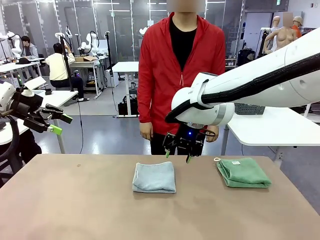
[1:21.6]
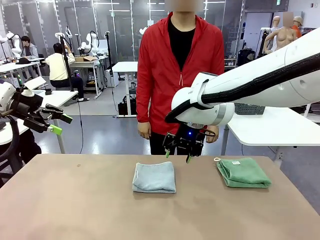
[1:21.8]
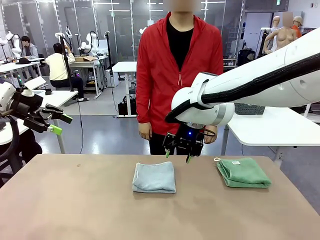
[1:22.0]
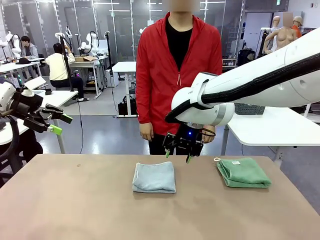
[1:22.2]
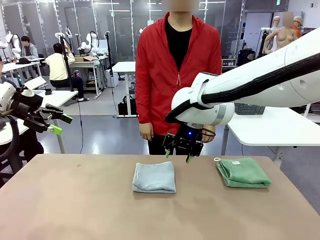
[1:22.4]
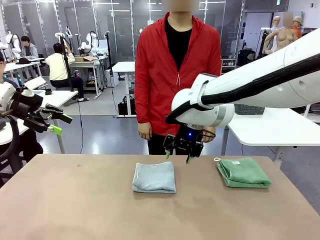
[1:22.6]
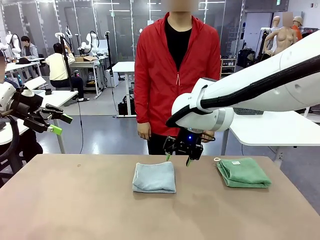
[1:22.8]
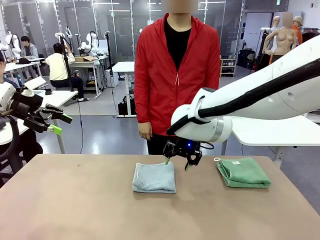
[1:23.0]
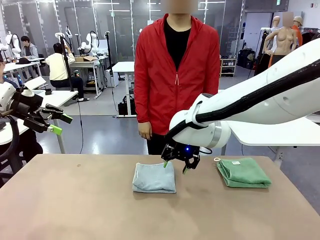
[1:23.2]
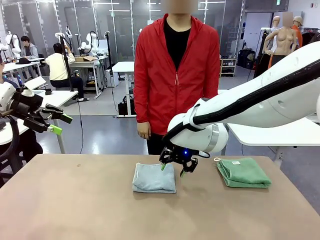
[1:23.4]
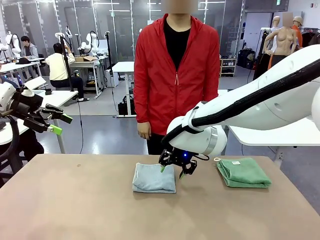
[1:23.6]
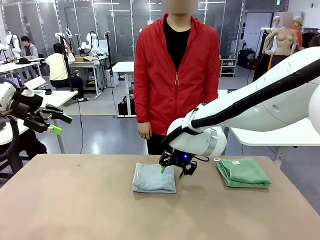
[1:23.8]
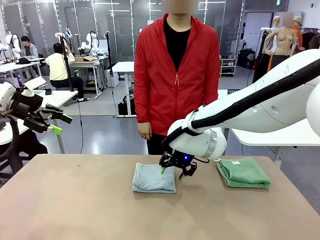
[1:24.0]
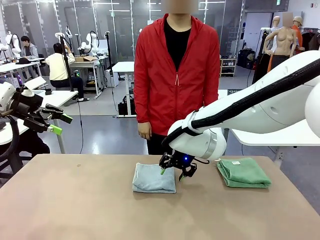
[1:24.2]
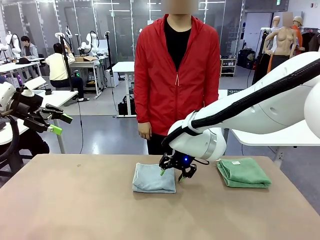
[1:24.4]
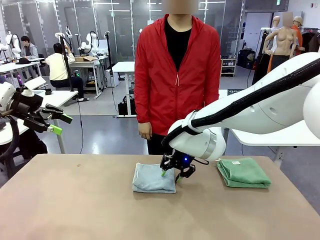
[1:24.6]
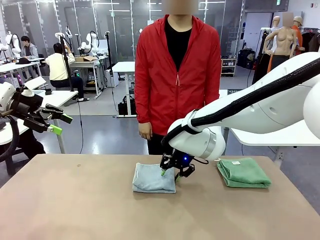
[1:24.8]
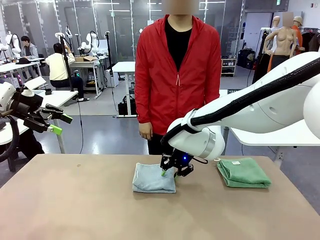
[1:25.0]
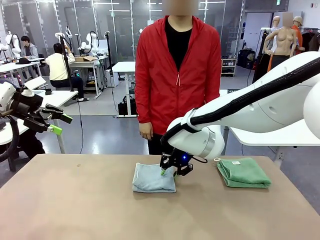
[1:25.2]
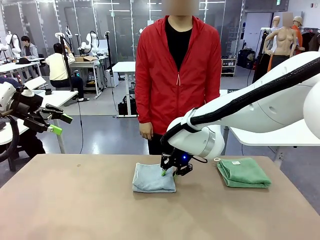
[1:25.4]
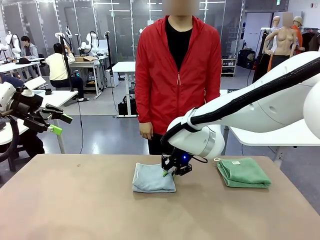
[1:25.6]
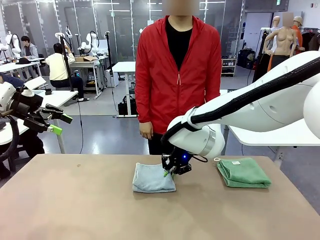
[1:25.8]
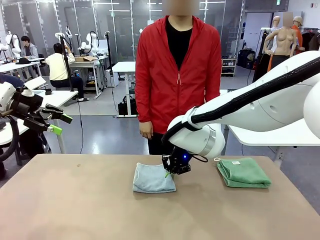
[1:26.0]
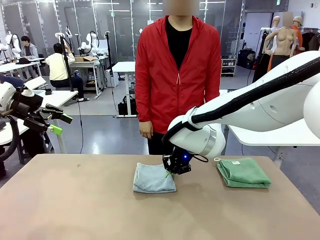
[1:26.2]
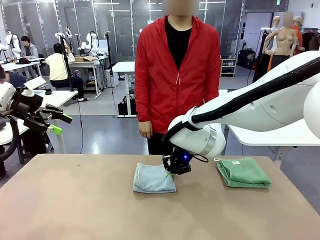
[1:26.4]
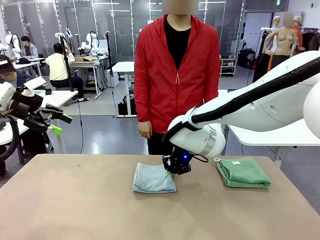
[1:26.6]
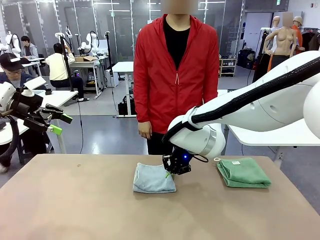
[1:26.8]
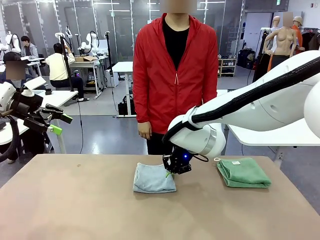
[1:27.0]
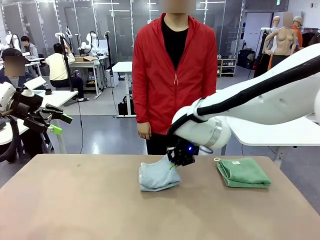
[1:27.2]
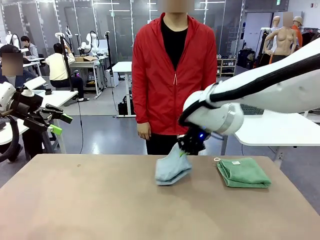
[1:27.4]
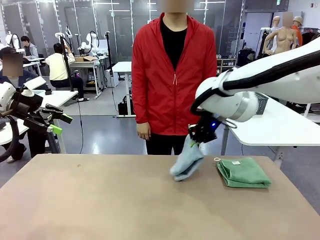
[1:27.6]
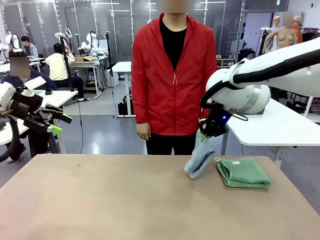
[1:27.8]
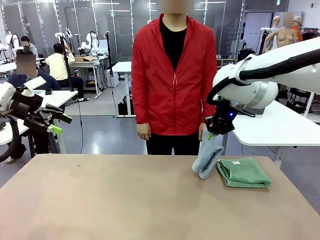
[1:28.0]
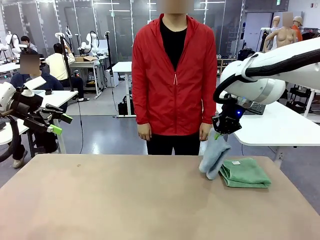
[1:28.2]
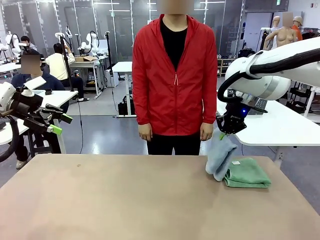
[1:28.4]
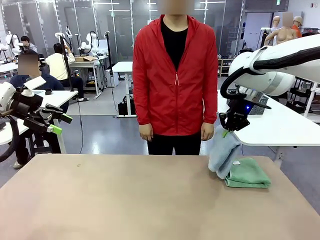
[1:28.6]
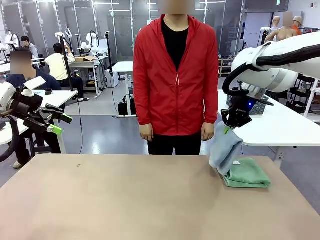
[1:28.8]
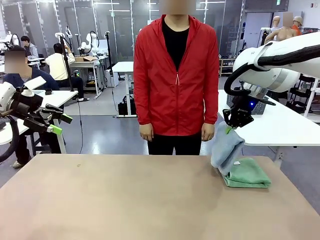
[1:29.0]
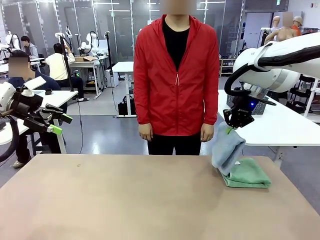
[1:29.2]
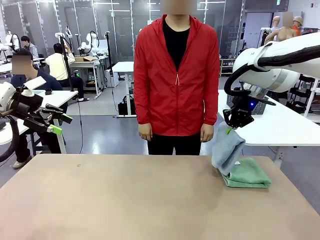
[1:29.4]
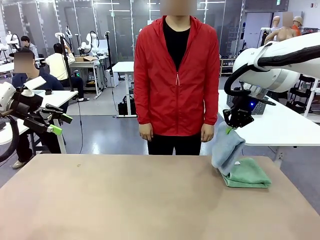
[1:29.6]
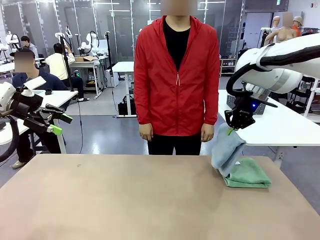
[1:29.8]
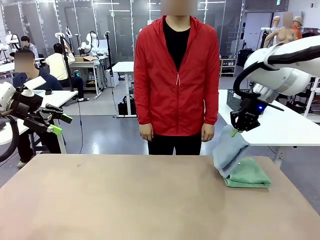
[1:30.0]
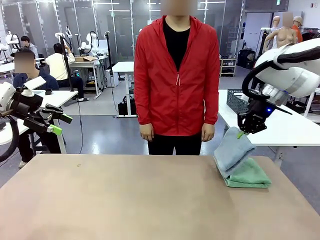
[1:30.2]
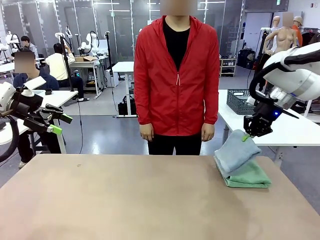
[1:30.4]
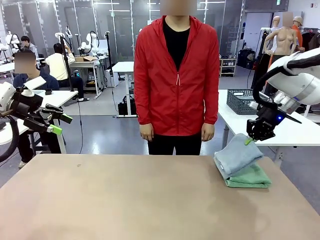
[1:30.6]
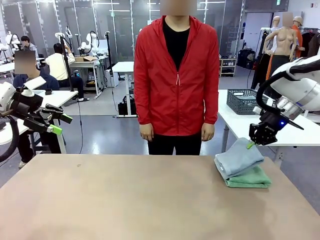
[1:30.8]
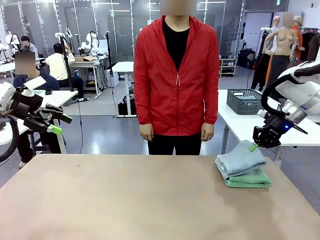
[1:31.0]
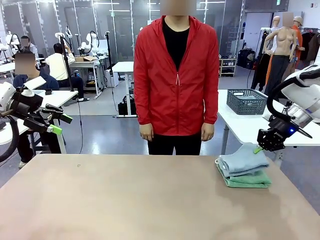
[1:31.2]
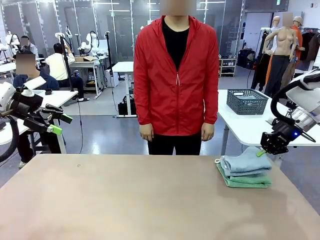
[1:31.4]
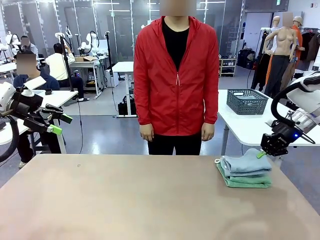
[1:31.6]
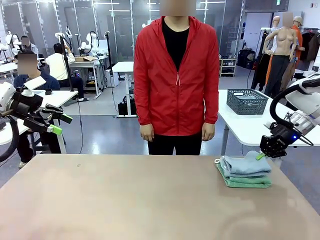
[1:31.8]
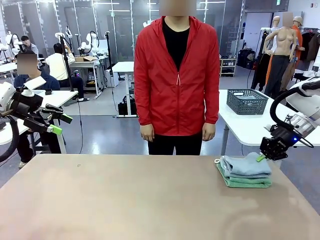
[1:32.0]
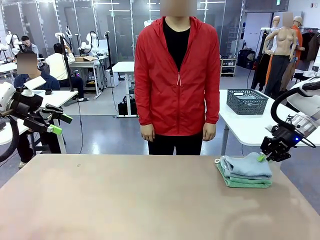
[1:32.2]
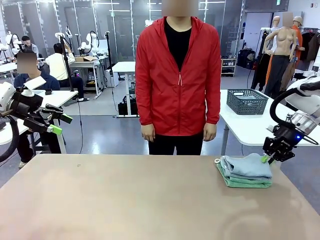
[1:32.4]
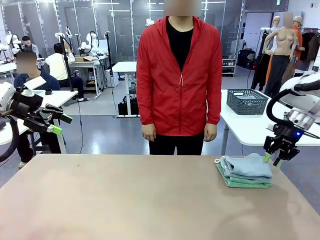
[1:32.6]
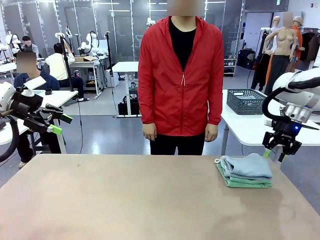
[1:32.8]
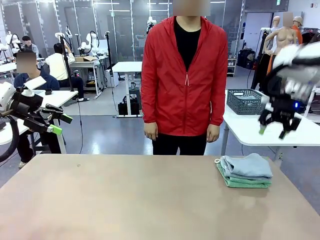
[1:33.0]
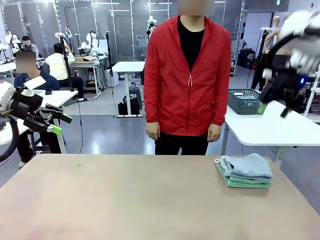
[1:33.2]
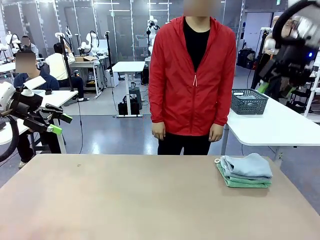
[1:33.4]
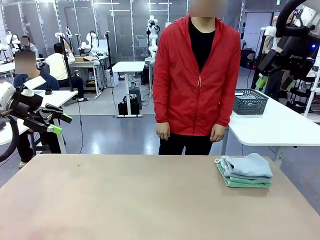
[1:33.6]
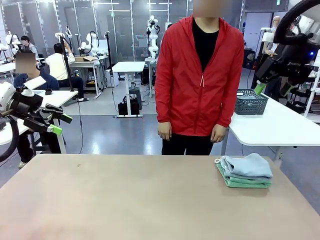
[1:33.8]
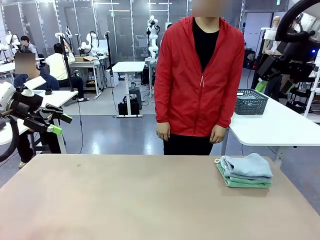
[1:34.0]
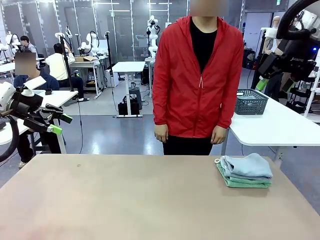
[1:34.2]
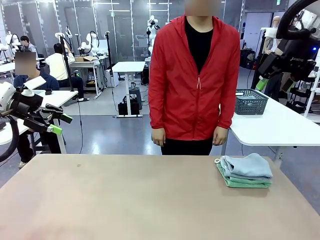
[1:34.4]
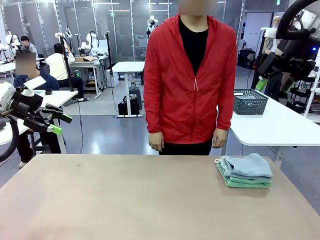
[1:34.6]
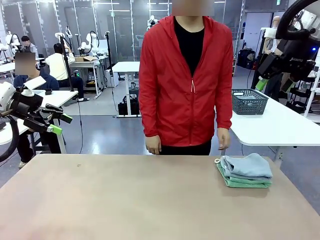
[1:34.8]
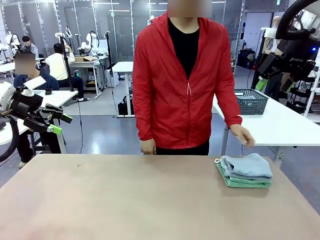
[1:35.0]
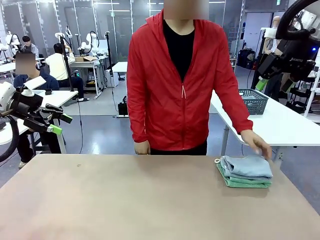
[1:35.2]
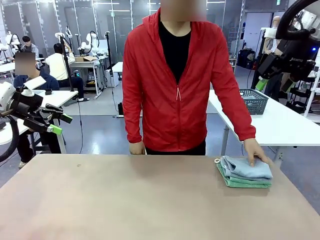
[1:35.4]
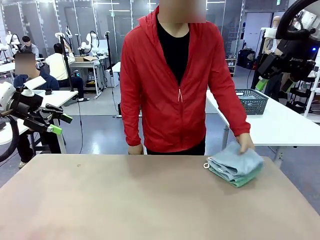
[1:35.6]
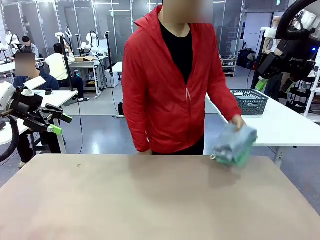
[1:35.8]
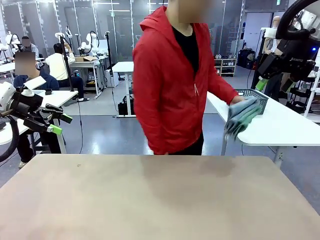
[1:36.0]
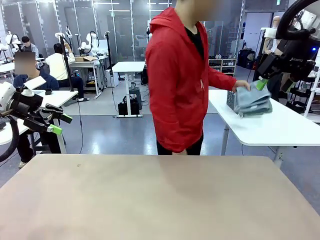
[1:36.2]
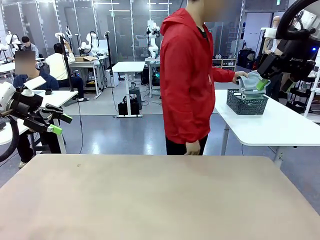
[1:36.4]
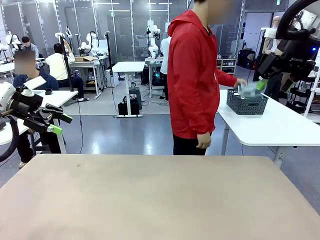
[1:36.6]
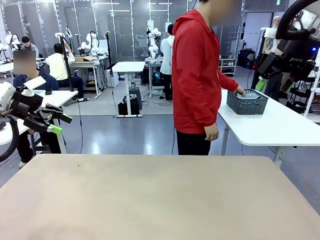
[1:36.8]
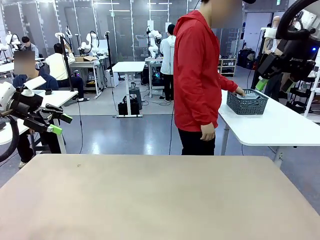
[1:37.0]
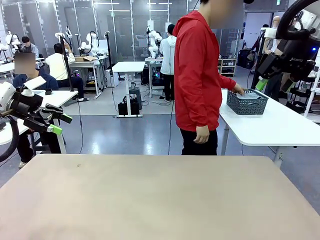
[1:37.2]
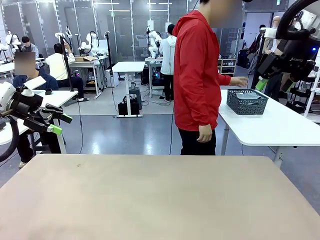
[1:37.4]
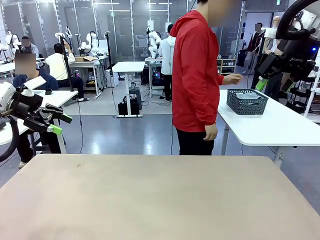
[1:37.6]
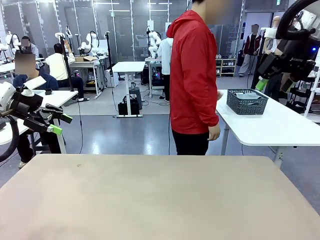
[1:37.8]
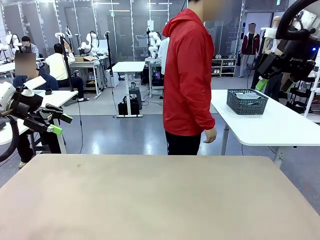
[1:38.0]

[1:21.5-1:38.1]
Task: Fold the towels and place them in the basket.
Robot: Stack the folded Towel with hook on the right side of the table.
Person: Pick up the stack of towels from the robot table and place it into the basket.

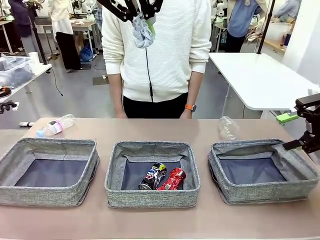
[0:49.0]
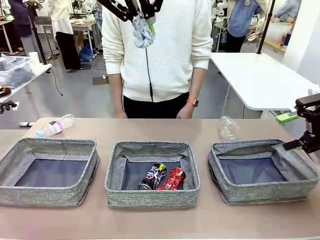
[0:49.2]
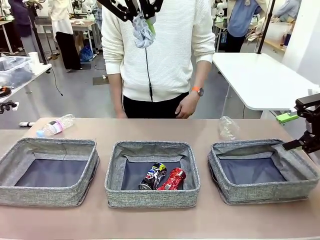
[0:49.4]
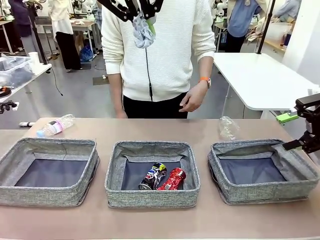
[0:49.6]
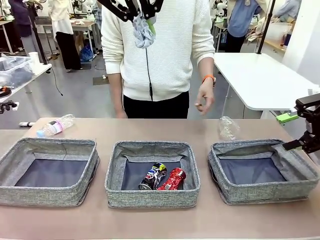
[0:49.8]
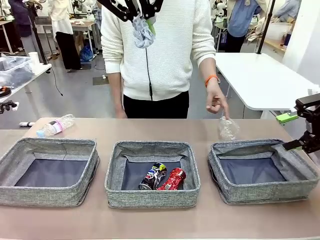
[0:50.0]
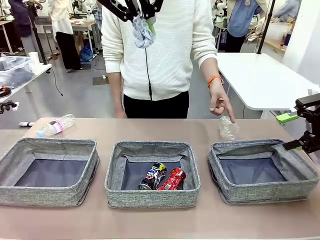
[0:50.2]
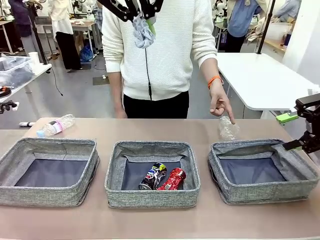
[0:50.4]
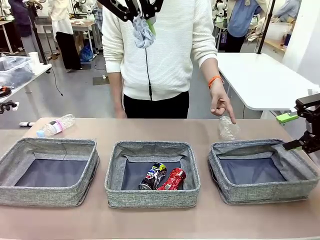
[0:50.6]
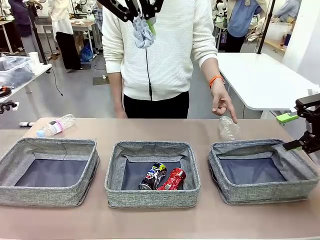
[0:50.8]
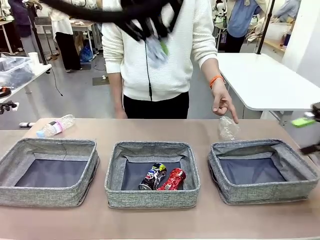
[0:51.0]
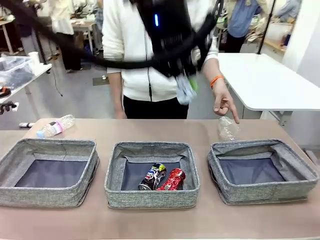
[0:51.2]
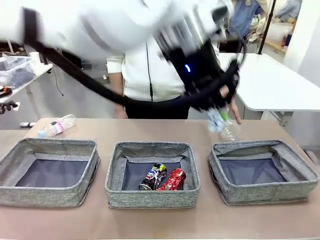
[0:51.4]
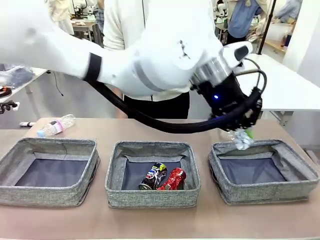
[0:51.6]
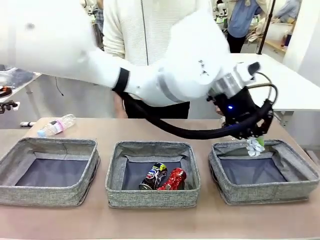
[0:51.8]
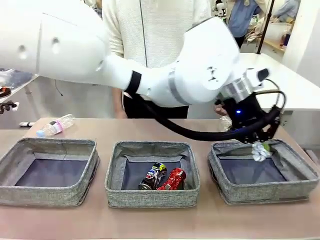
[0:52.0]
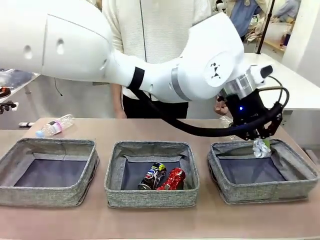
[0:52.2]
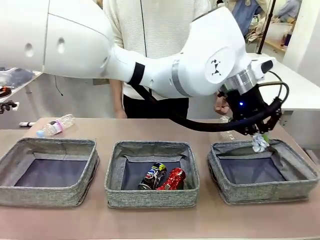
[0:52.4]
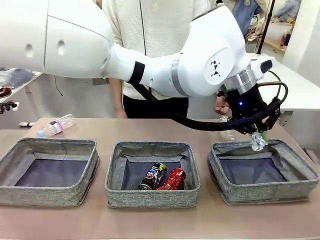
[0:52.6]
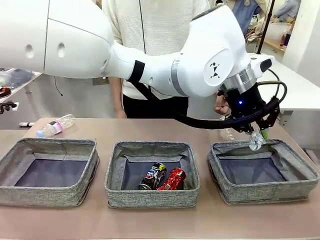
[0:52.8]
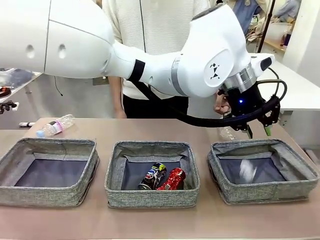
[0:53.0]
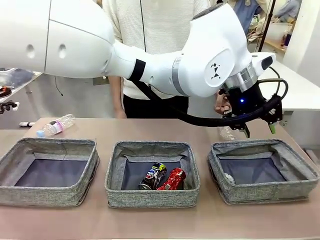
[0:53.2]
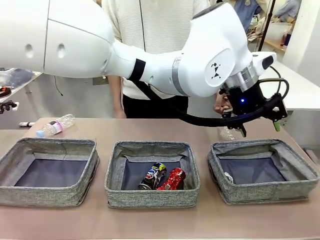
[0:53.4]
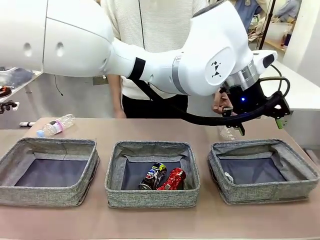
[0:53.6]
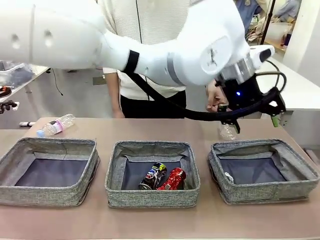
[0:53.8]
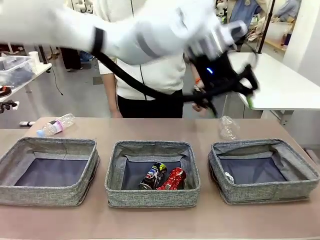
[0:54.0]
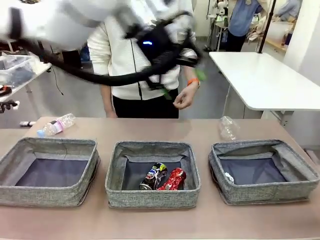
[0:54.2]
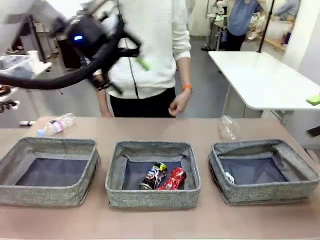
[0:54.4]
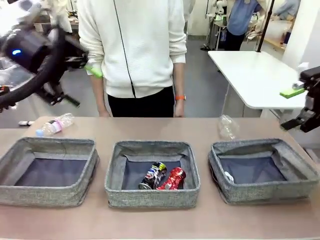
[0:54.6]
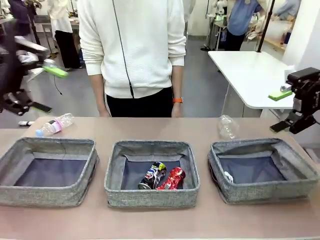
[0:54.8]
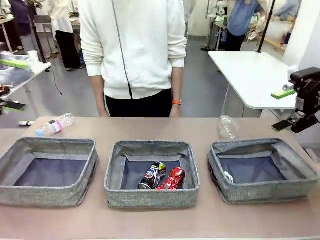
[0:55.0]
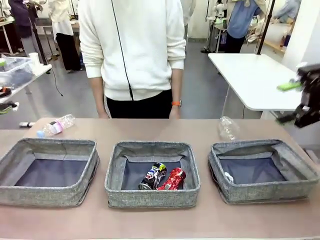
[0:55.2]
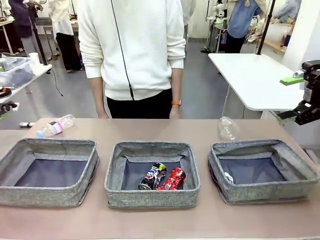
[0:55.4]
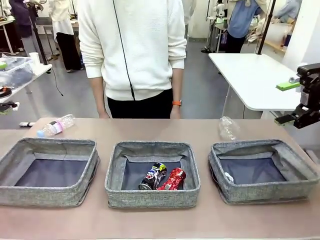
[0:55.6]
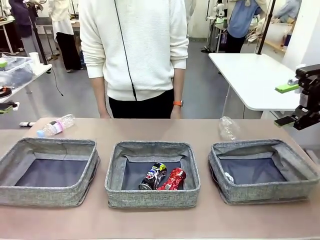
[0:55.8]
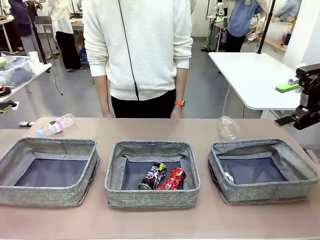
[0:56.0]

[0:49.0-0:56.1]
Task: Sort the waste into the appropriate baskets.
Robot: Place the picked waste into the Fabric basket indicated by the person.
Person: Instructs the robot to place the picked-up trash into the appropriate organizing basket.
